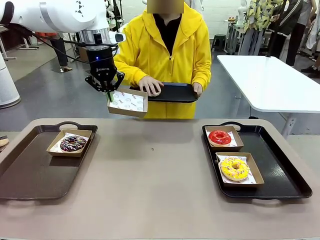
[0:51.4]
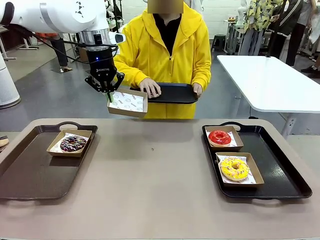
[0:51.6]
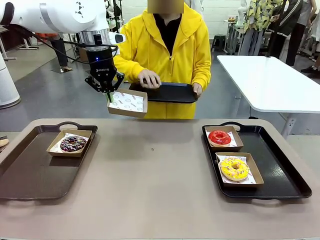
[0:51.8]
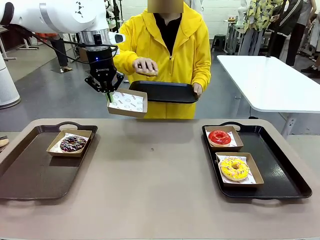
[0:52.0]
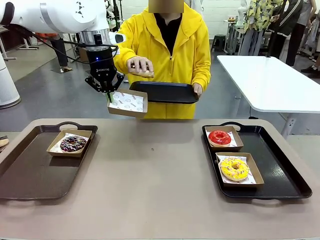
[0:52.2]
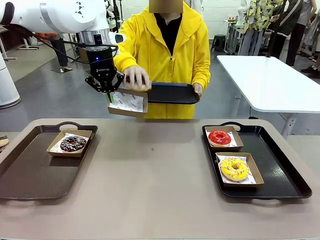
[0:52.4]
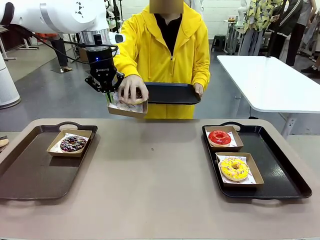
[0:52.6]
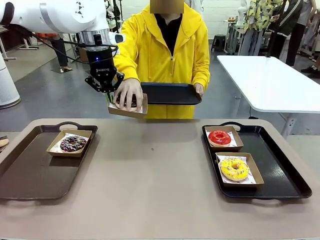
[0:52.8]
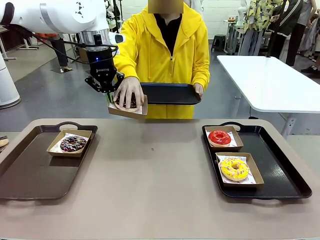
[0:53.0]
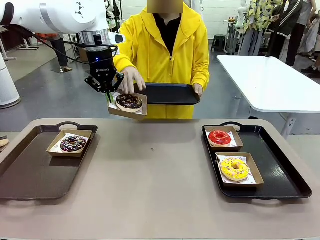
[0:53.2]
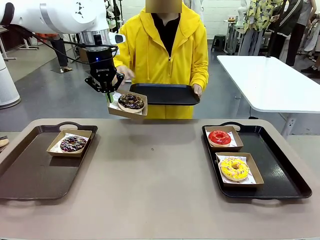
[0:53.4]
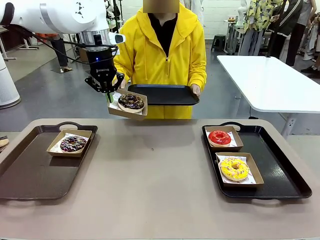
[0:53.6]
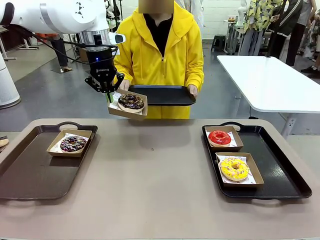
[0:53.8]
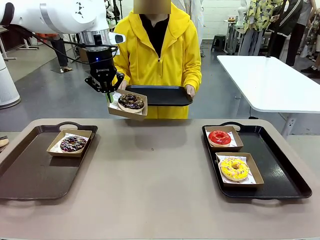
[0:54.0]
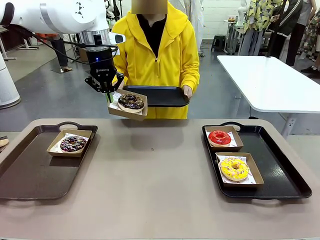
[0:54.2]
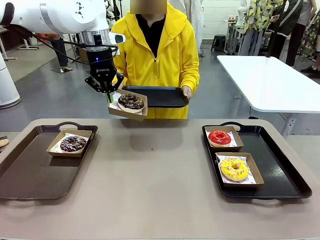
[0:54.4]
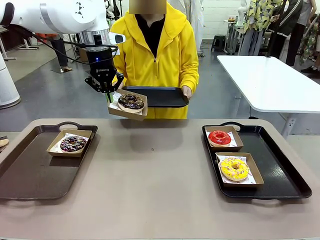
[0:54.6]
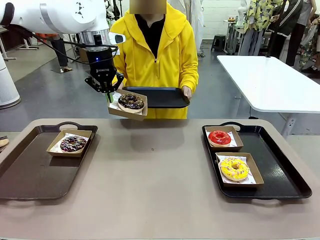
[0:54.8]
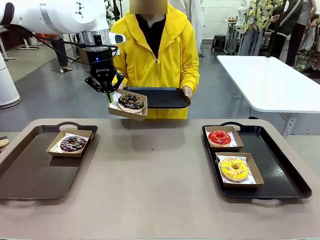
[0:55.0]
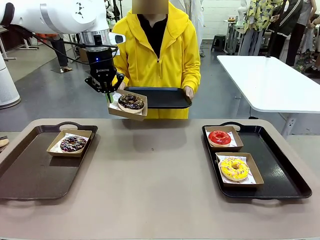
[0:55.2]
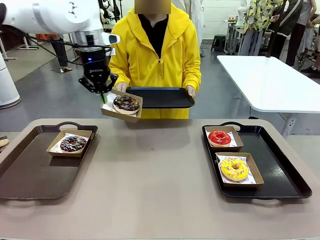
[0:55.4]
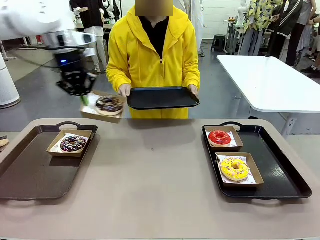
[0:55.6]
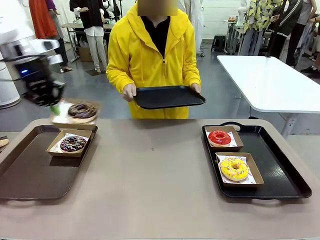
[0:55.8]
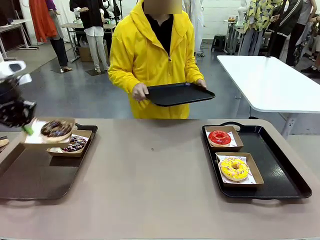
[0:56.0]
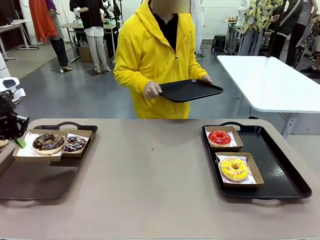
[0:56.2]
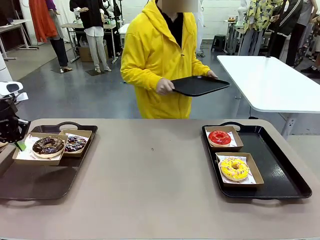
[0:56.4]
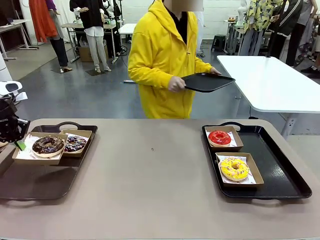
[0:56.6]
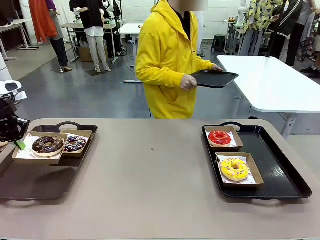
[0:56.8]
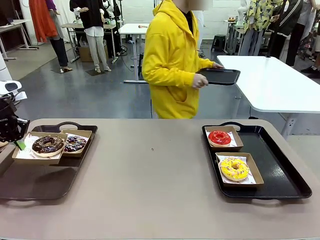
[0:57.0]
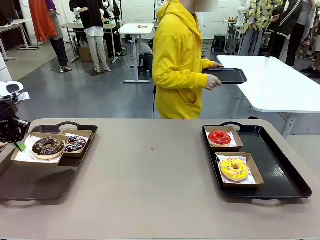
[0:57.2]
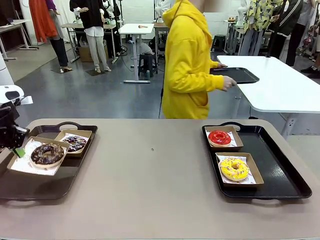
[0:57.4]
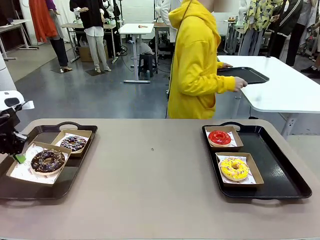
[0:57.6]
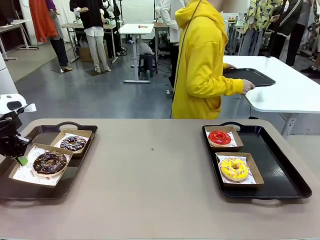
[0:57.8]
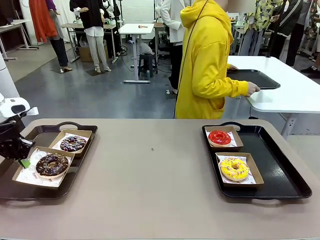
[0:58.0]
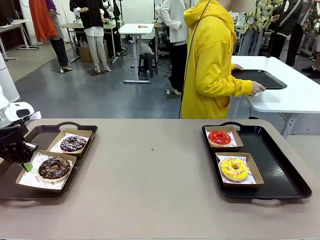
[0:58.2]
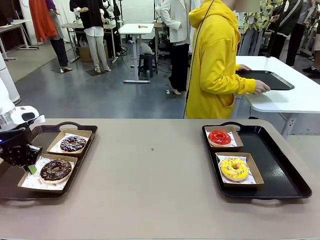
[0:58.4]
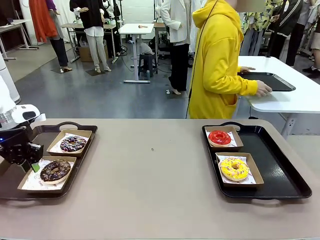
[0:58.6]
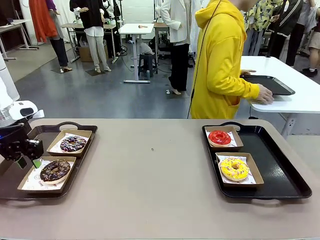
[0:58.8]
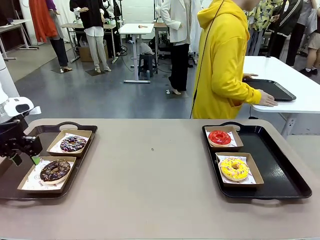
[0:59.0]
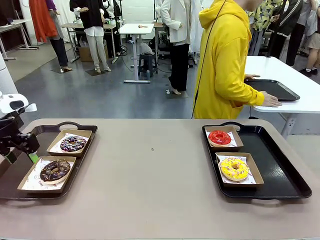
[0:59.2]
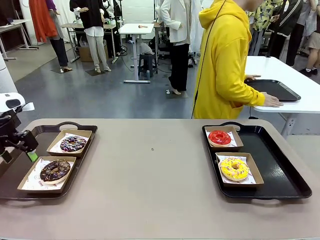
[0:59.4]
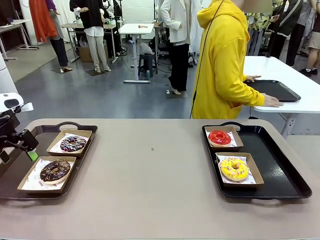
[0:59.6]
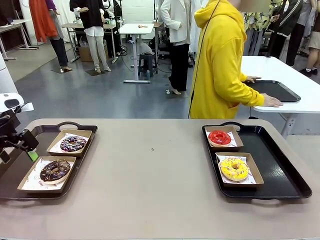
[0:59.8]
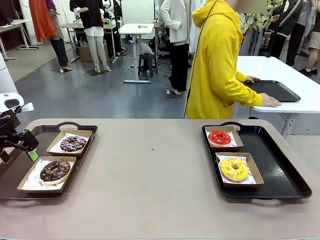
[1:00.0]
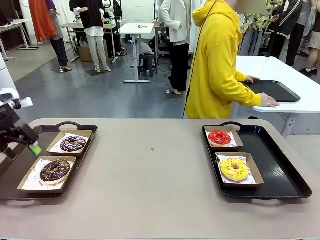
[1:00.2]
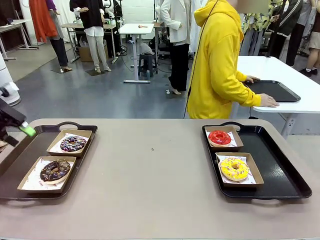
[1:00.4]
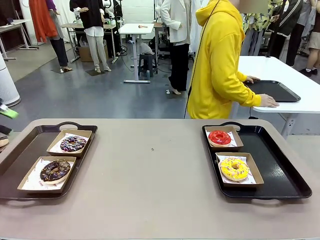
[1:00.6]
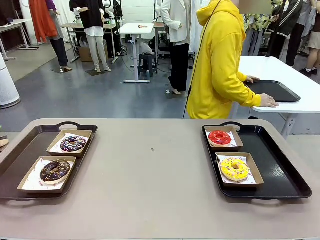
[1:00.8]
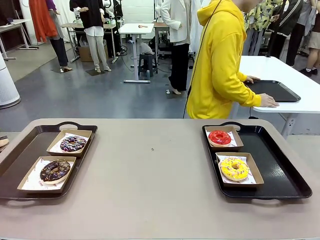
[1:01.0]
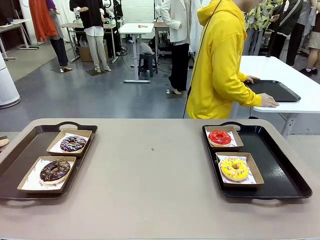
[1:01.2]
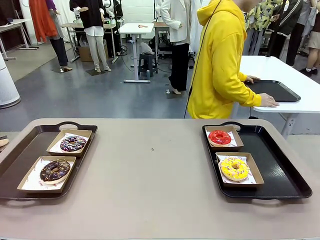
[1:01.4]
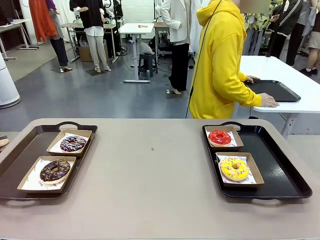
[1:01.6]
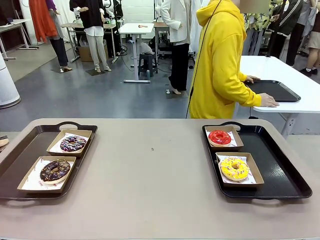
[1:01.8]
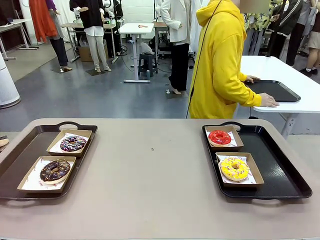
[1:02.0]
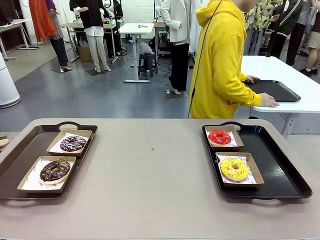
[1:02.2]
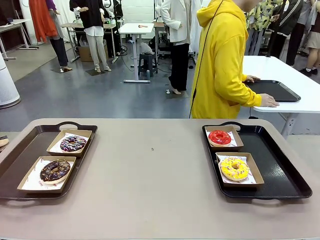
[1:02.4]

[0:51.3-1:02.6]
Task: Individually package the donuts and arrange them on the tray.
Robot: Place the picked Paper togo box on the Handle tray.
Person: Place the tray down in the middle of the human table.

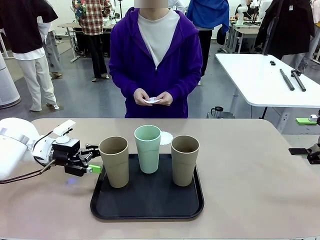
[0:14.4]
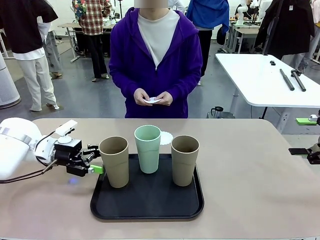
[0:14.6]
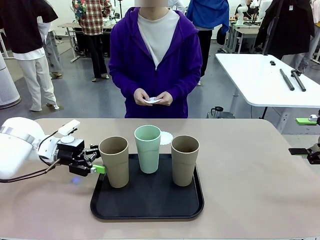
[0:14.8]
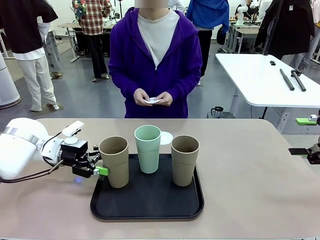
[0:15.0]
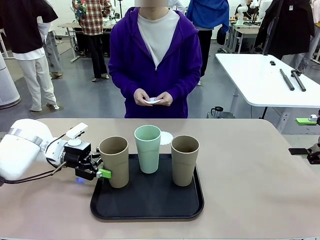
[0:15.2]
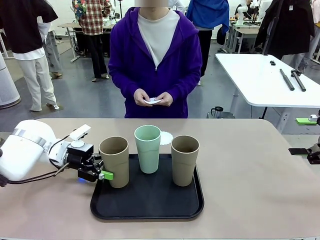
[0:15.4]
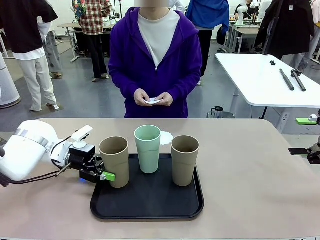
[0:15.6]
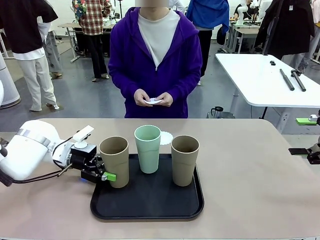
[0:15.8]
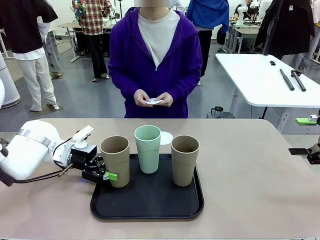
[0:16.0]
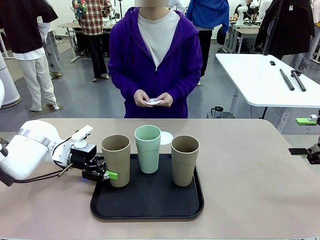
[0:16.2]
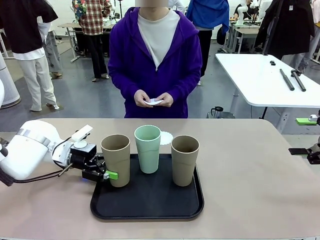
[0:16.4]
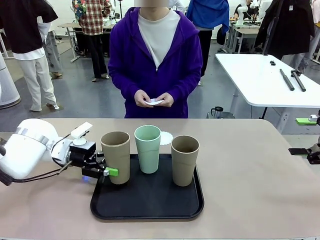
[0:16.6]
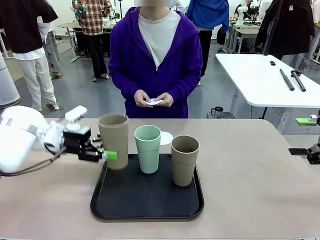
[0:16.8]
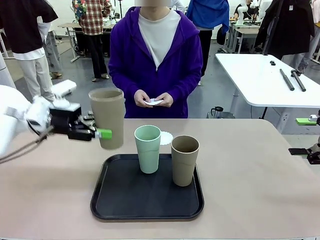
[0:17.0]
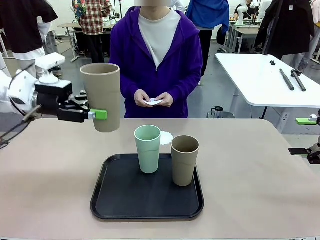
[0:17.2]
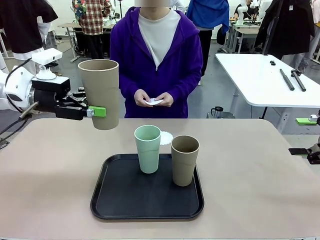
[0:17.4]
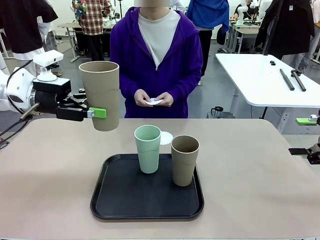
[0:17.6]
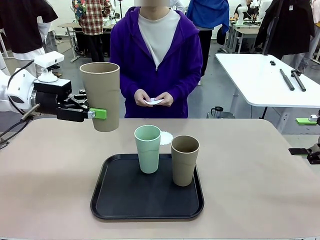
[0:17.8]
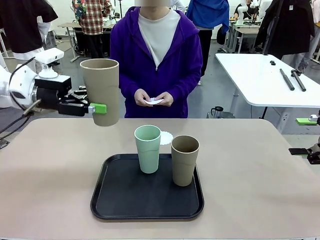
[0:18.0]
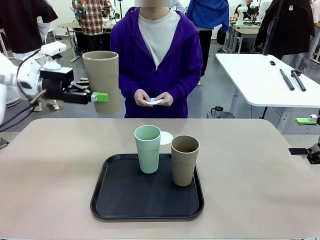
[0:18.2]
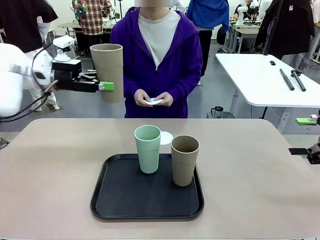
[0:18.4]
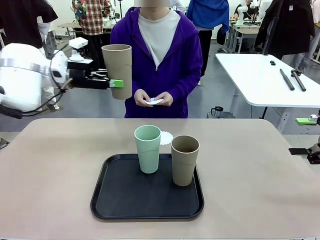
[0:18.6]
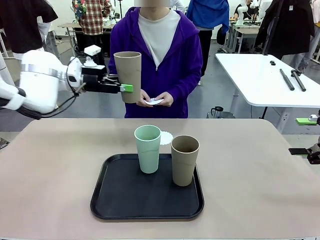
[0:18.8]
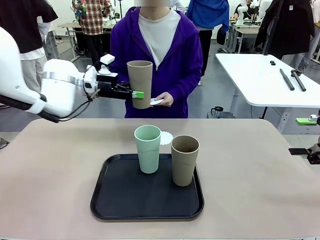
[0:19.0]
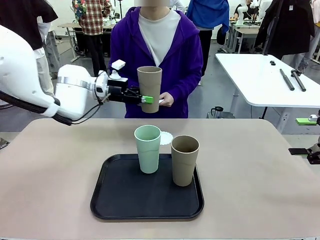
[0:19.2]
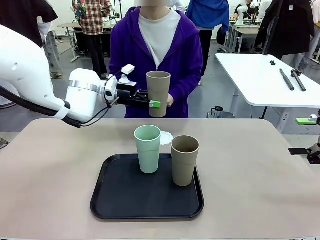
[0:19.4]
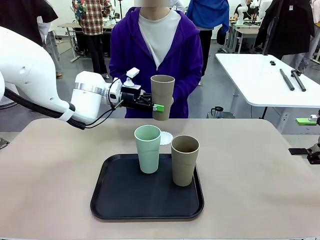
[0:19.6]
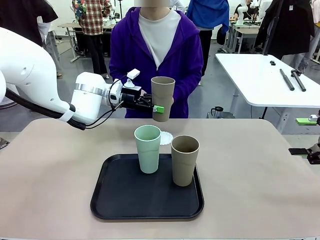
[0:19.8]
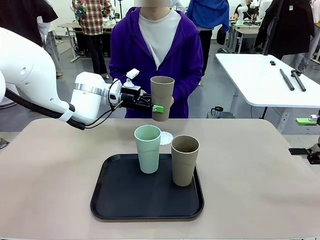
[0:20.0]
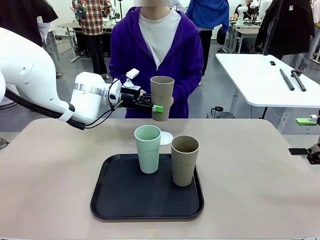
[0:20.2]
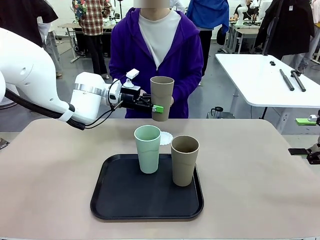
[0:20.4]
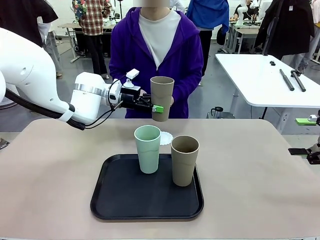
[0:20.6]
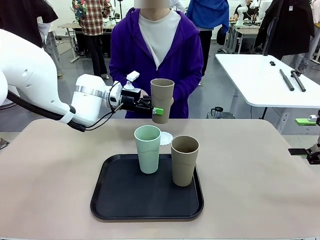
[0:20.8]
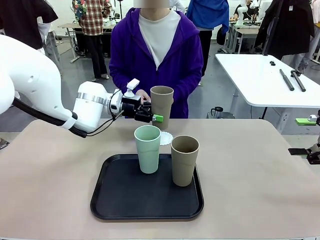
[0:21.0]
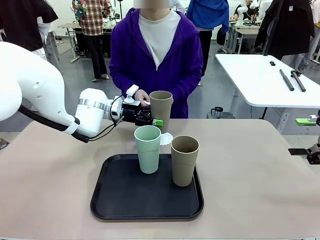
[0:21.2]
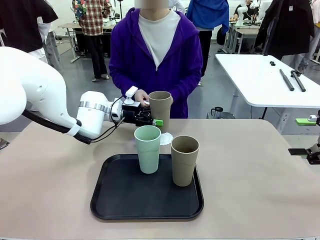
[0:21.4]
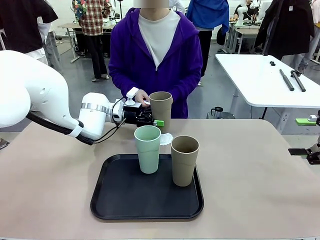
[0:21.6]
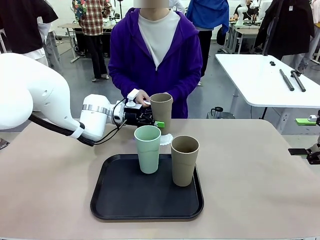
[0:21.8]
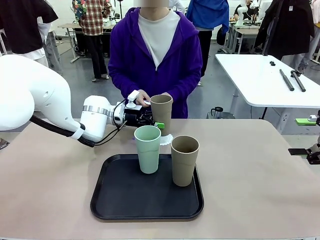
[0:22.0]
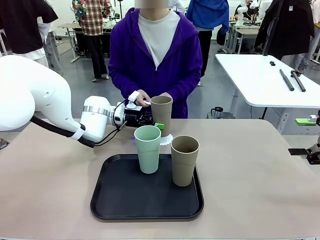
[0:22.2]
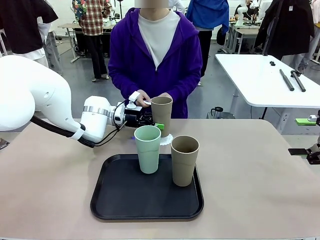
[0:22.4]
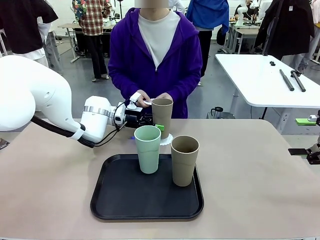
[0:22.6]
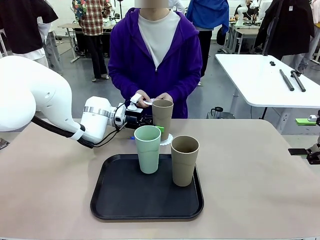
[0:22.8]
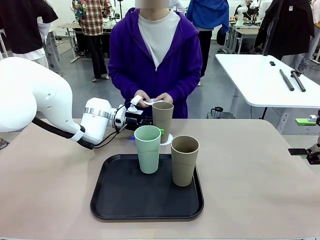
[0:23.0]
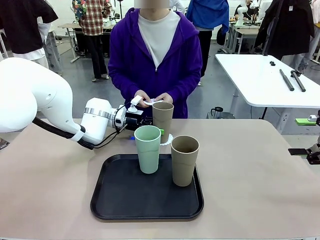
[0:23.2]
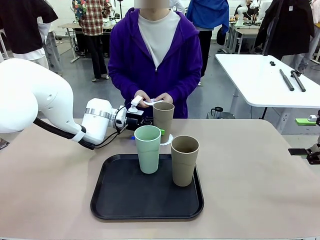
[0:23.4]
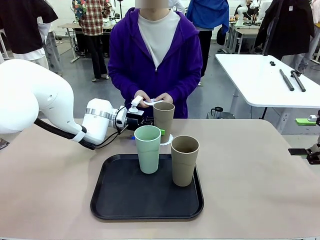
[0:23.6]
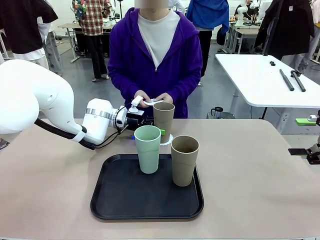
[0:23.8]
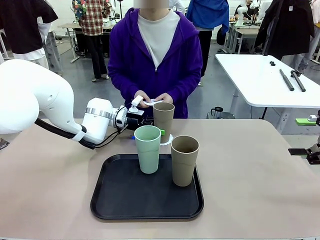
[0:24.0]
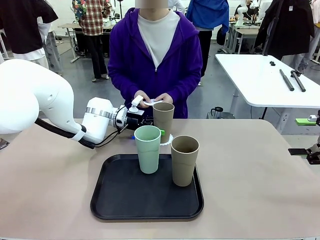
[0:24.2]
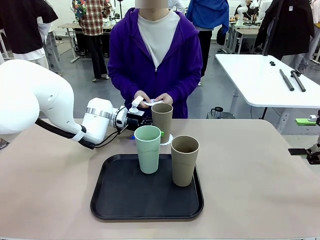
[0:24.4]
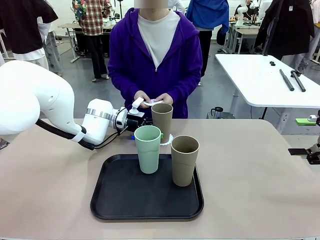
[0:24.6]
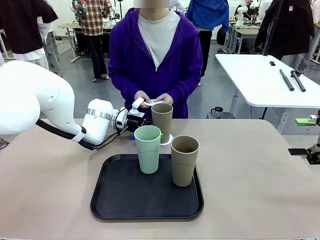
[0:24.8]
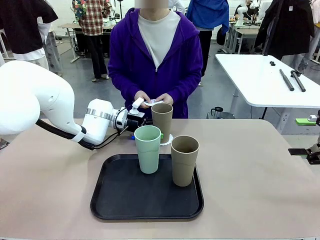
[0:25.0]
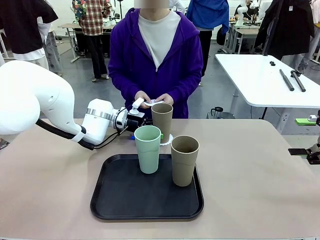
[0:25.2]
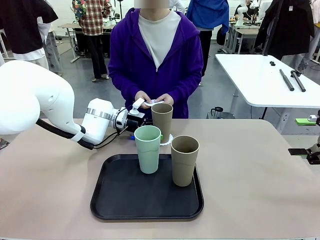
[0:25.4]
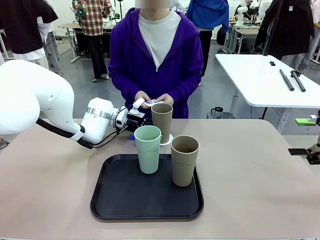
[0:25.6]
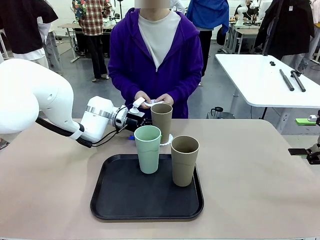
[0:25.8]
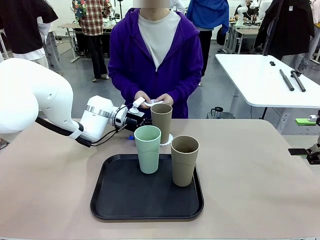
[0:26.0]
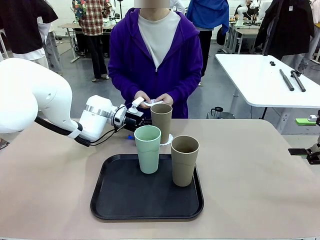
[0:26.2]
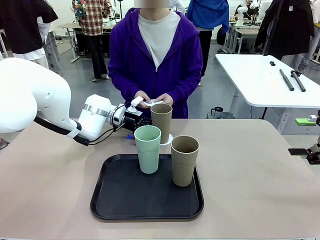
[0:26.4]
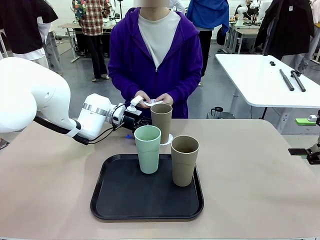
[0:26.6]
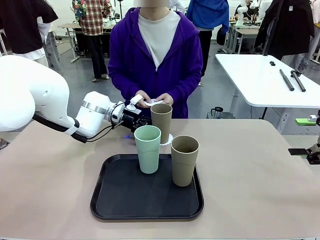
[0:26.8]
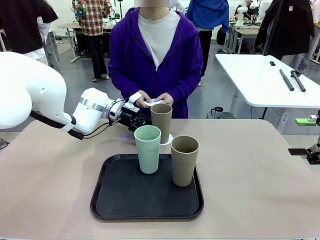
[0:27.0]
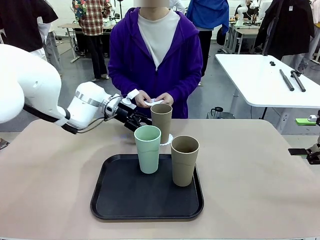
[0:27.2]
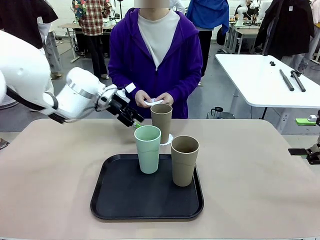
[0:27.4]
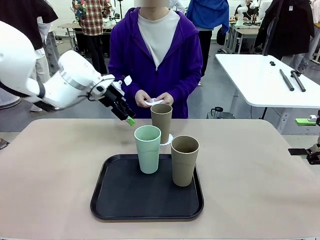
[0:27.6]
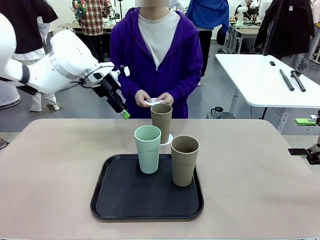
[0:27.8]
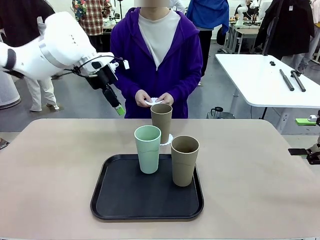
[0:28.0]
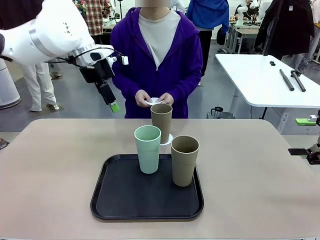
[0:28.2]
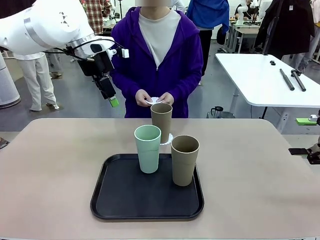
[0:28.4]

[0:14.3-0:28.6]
Task: Place coasters on the table and set cups on them.
Robot: Pick up one Reusable plastic cup and place it on a coaster set by the human.
